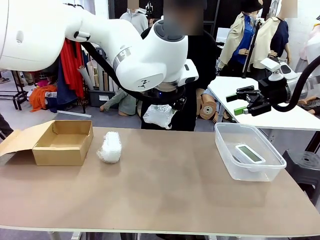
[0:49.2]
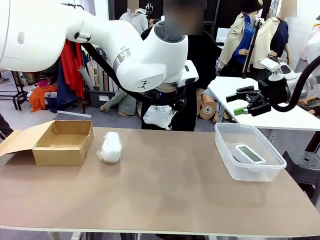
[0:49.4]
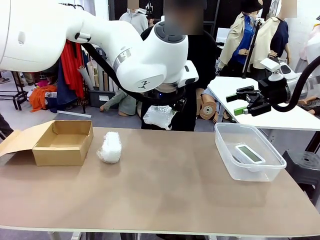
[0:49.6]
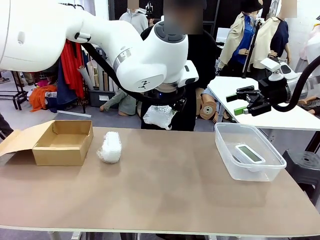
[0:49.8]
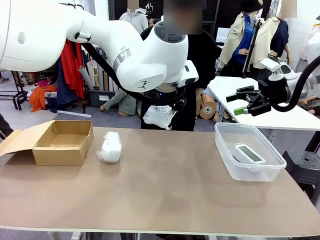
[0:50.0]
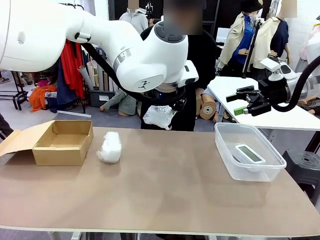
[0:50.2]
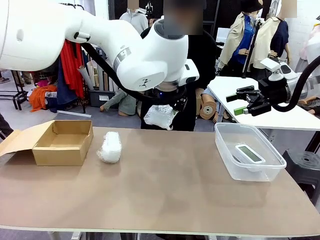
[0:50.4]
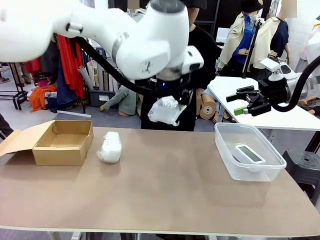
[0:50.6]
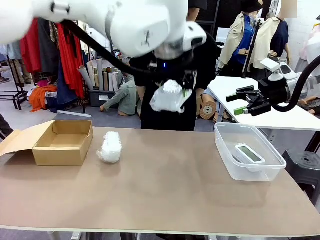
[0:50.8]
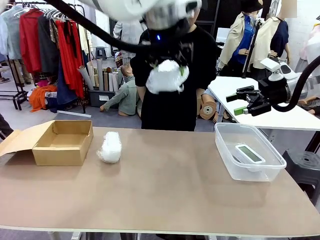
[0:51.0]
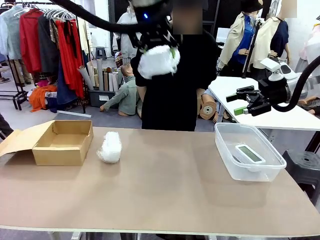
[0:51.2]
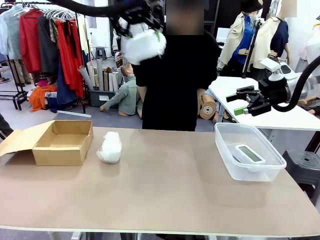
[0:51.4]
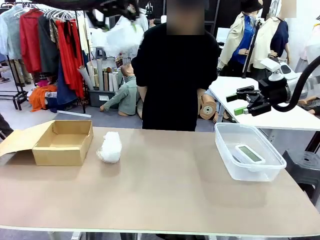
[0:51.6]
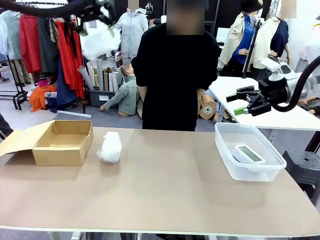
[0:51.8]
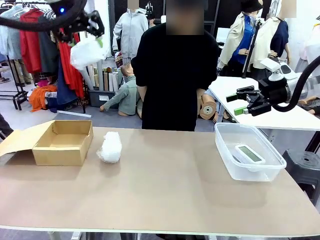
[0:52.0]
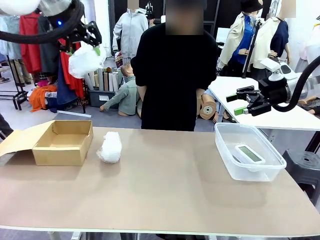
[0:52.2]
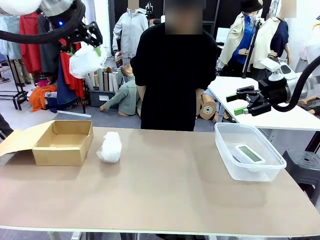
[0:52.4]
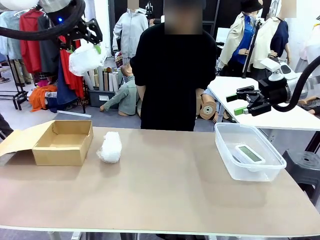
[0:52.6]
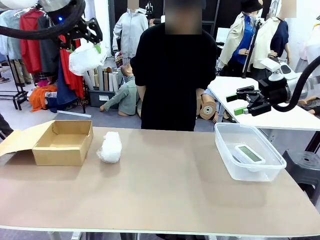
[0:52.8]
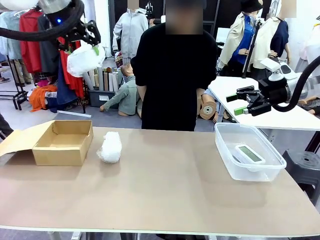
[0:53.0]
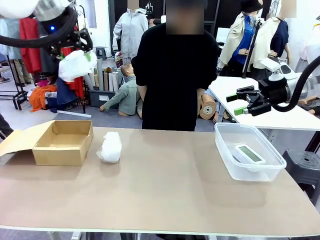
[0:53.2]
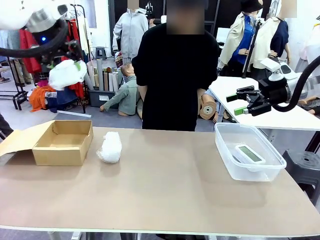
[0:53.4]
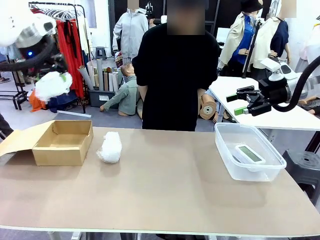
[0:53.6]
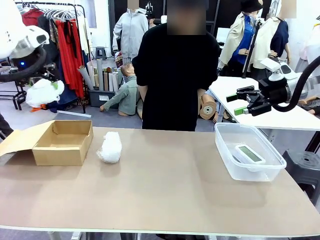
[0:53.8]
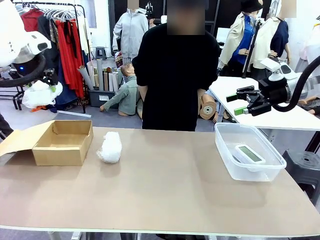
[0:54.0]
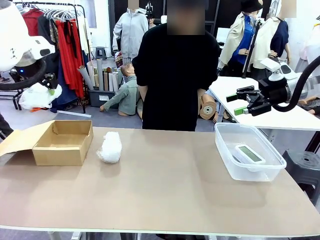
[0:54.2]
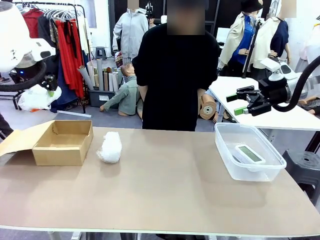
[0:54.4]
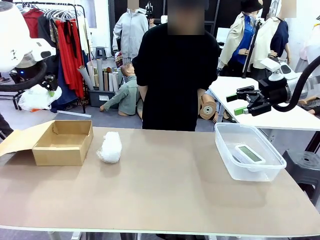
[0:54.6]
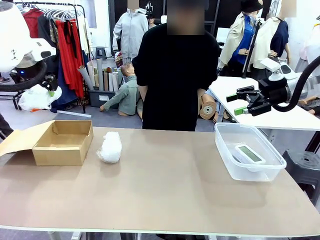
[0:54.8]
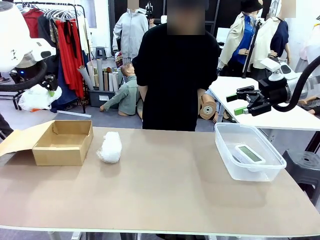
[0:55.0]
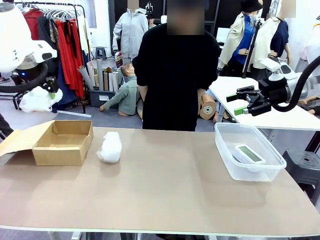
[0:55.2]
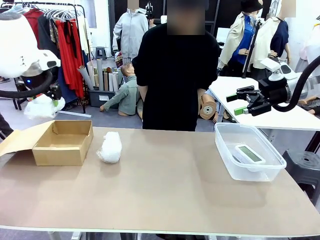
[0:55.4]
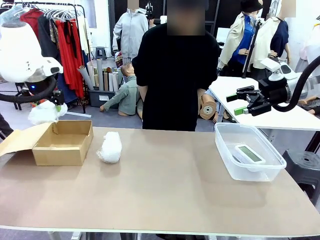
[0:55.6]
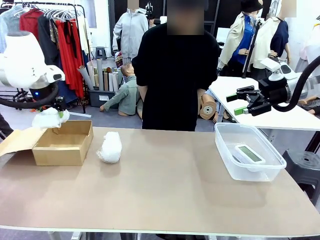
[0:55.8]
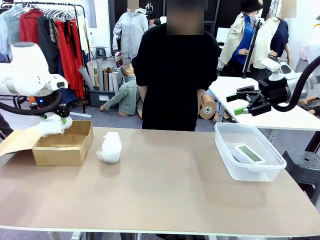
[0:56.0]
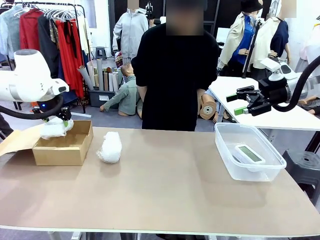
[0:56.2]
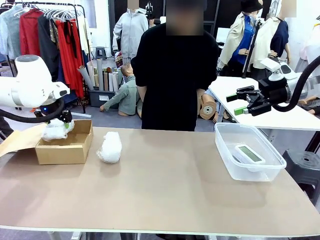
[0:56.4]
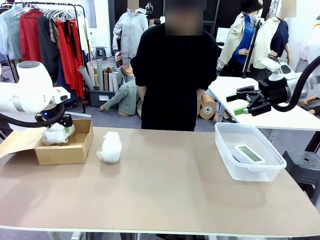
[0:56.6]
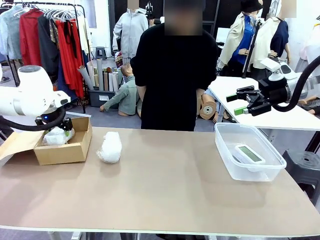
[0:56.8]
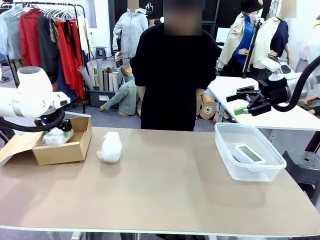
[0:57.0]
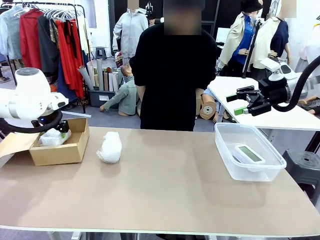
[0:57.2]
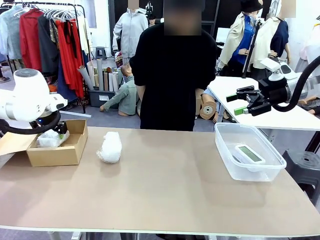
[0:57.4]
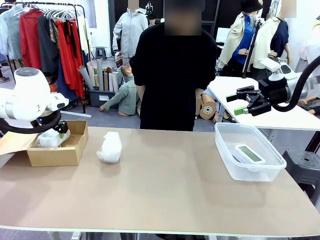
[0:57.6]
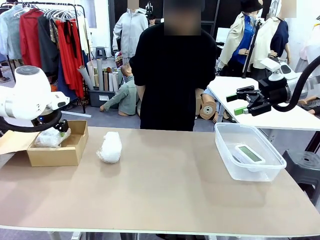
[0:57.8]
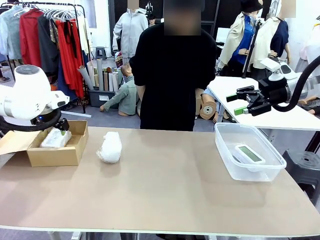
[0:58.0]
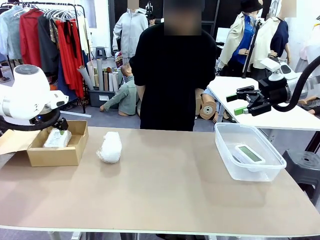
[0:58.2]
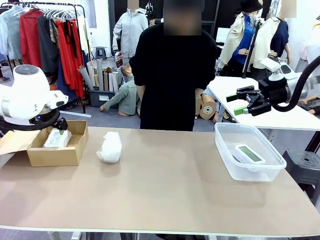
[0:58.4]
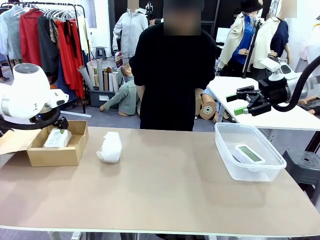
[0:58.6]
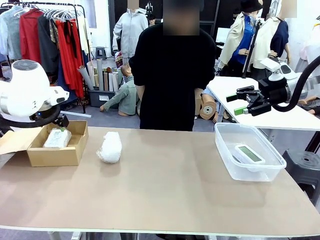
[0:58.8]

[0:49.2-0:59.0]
Task: Separate and place wrapped and unwrapped clocks.
Robot: If the picked Digital clock is wrapped, place it in the Package Box ; if not, place it in the Organizing box.

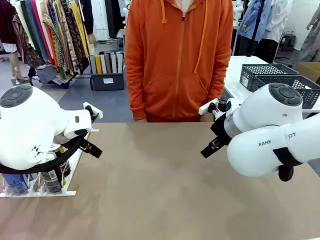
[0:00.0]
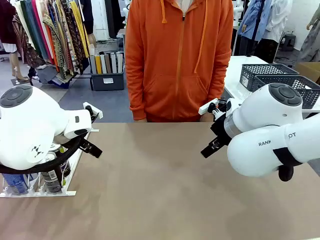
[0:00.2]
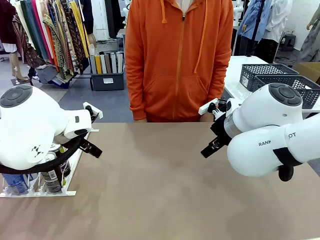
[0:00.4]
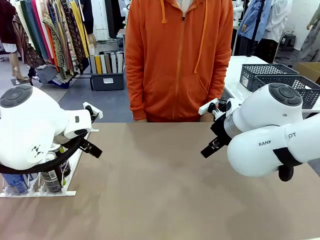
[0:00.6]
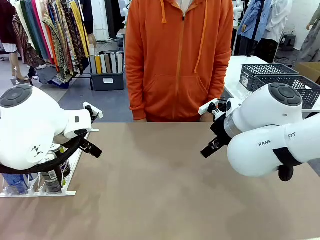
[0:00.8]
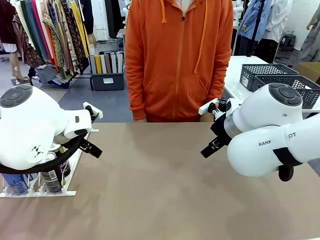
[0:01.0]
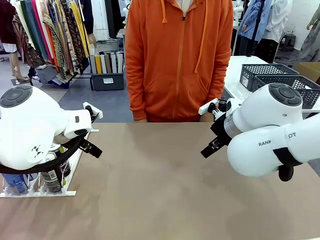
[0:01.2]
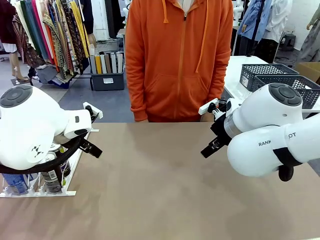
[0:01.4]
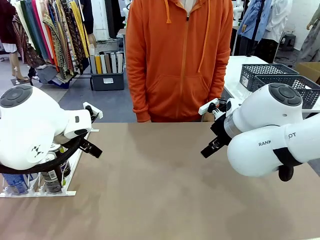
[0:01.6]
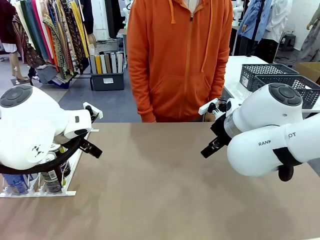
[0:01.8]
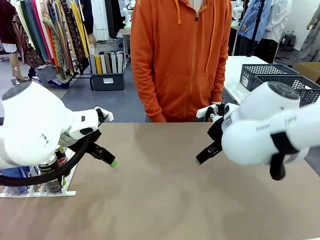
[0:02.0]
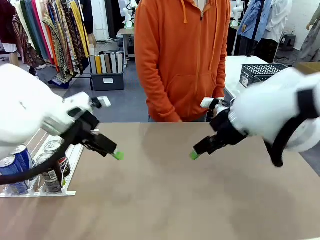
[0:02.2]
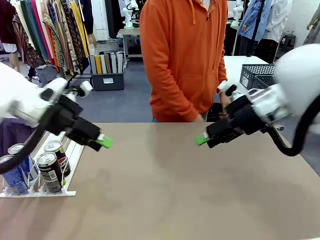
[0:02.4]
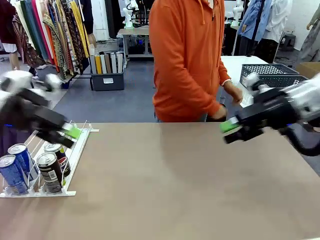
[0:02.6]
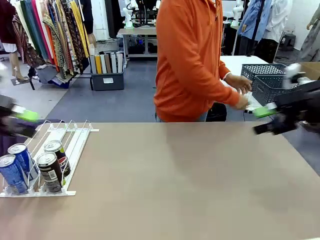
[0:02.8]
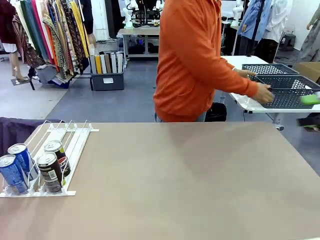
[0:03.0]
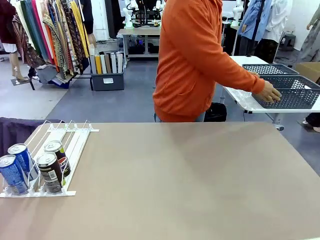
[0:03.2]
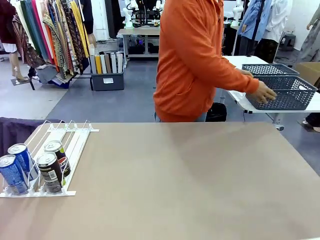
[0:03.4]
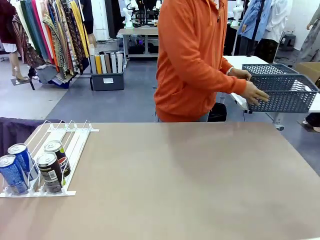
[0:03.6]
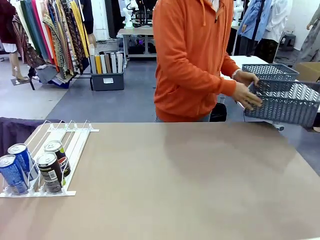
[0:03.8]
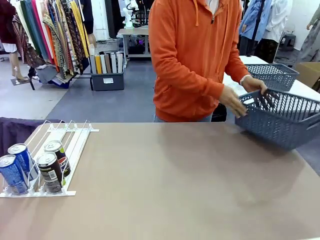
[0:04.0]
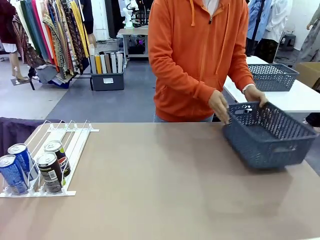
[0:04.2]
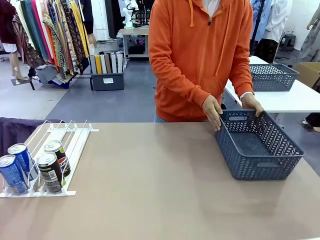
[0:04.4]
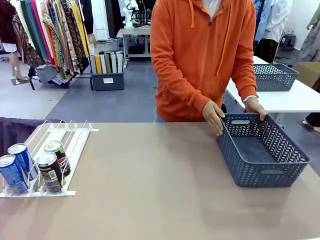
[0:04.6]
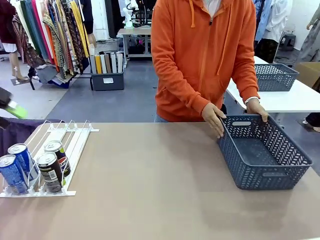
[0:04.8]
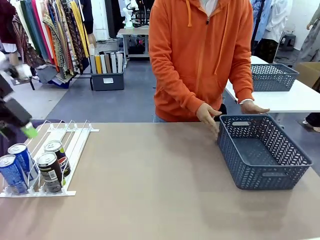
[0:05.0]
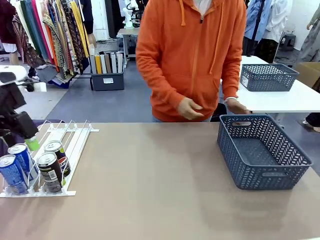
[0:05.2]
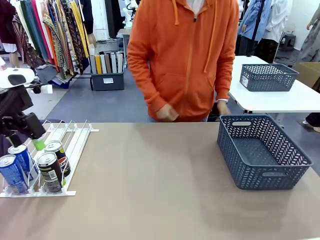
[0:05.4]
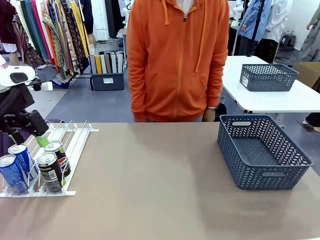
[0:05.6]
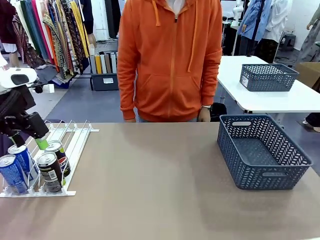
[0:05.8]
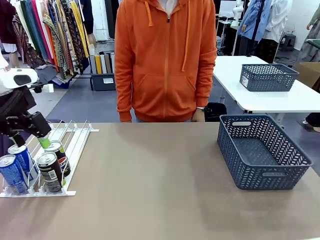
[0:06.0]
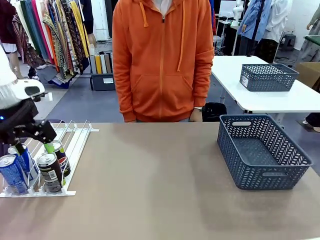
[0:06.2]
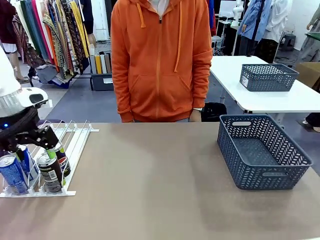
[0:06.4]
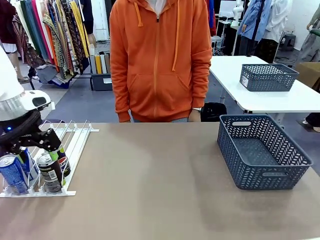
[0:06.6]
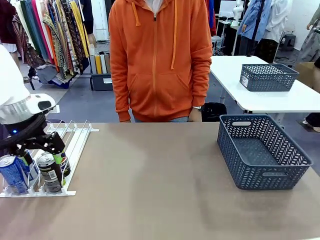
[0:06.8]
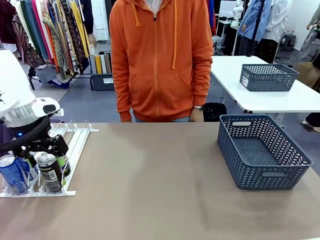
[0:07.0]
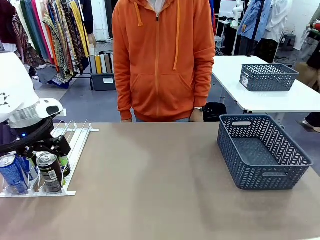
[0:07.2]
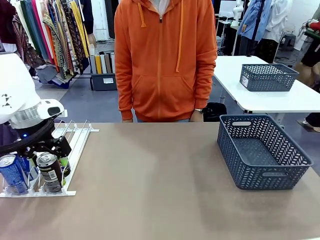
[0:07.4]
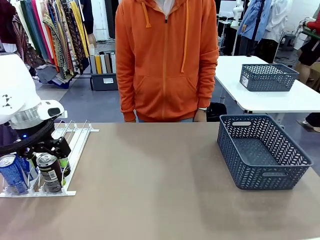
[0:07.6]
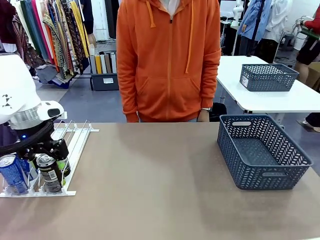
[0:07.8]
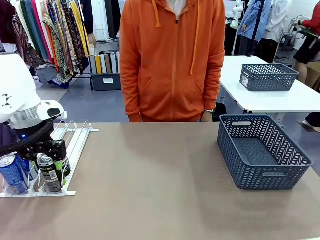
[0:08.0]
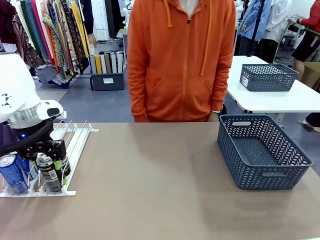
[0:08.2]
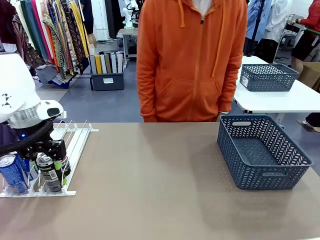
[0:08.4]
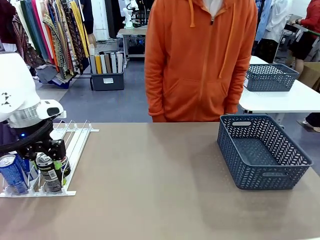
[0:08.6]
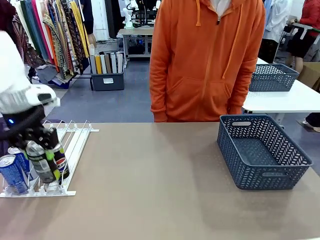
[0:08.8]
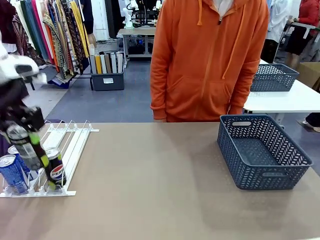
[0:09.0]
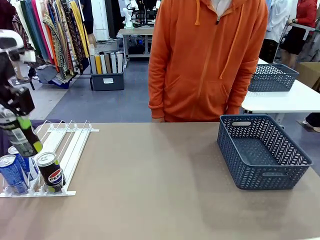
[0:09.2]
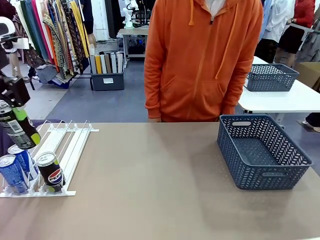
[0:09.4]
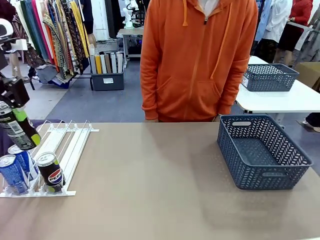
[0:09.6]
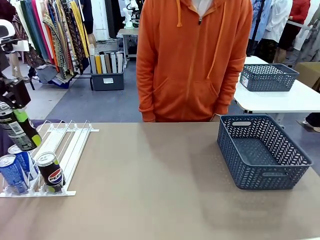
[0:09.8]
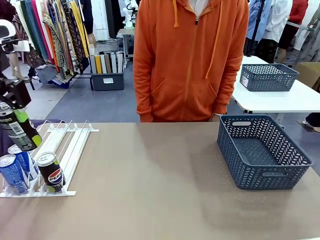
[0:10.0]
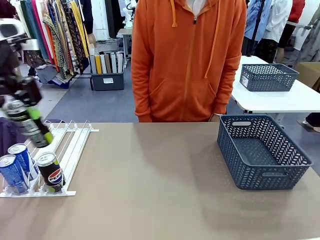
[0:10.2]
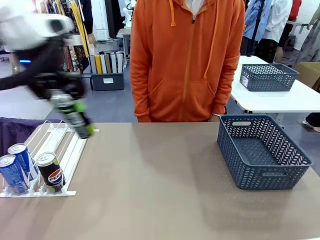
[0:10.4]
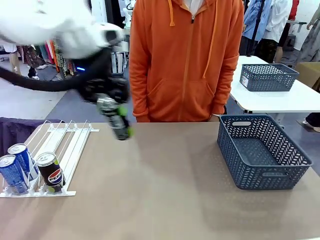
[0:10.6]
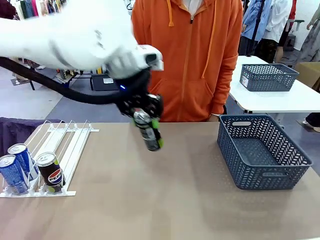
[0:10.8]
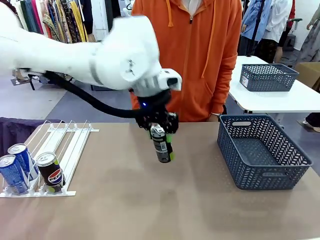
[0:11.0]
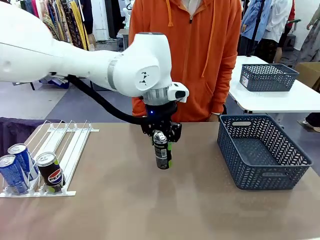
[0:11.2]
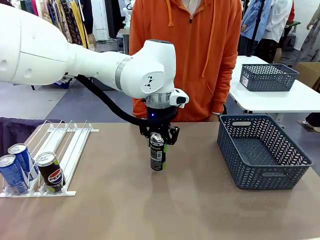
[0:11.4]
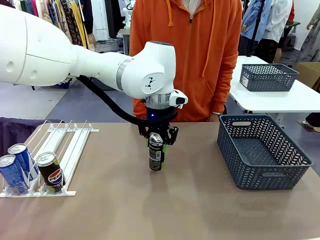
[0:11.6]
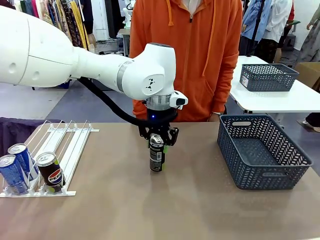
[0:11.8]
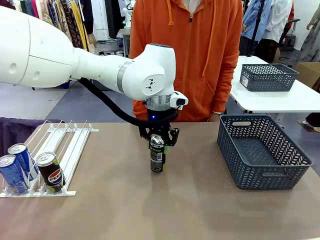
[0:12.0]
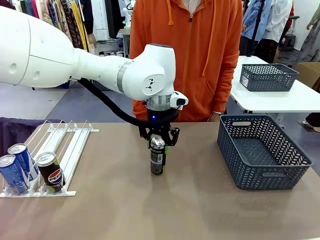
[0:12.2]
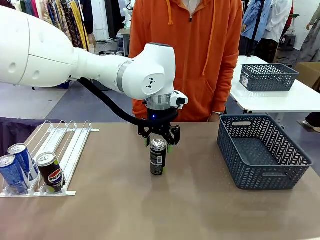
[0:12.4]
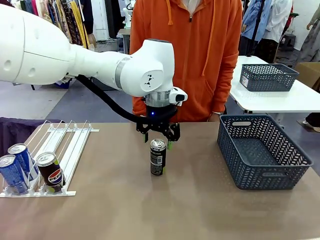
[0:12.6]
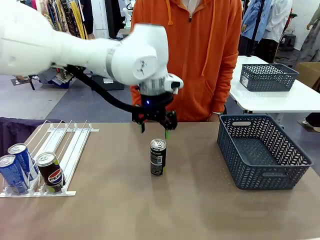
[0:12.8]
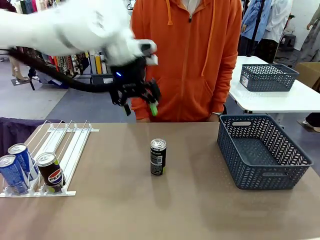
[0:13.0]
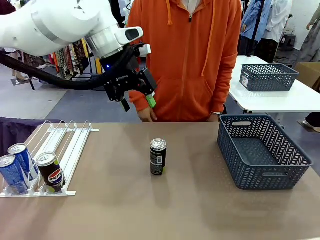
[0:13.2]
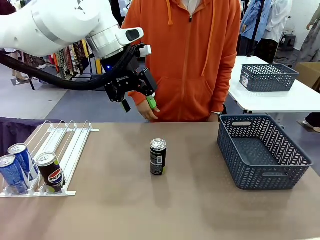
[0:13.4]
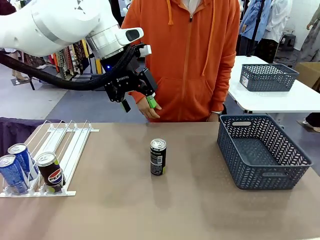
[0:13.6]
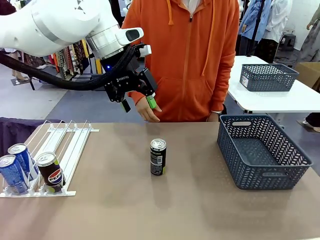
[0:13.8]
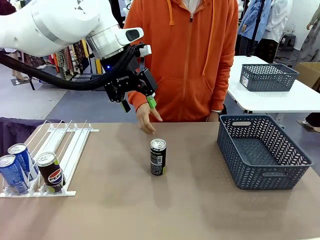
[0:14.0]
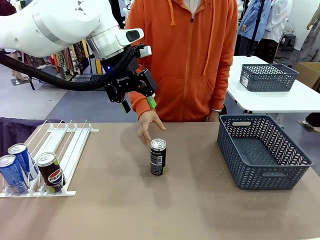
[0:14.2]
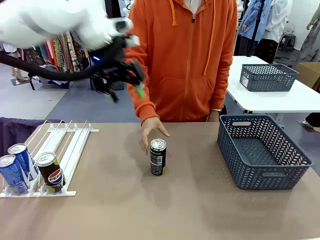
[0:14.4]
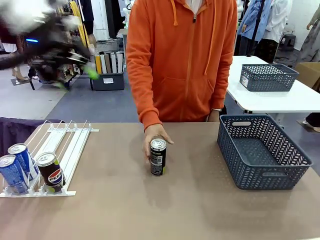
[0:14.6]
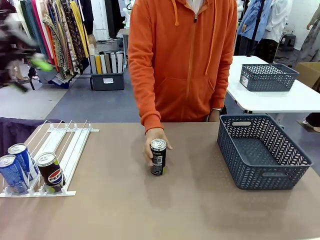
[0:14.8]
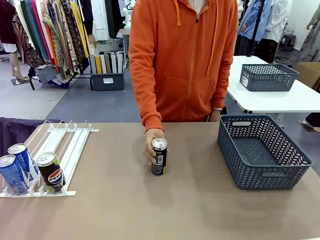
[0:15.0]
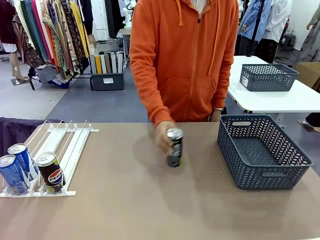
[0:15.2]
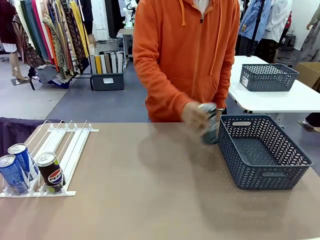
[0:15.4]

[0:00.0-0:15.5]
Task: Retrieve and store the cans from the dispenser.
Robot: Pick up one can from the Automatic Can Dispenser and place it in the middle of the table.
Person: Pick up the basket and place it on the left side of the robot table.
